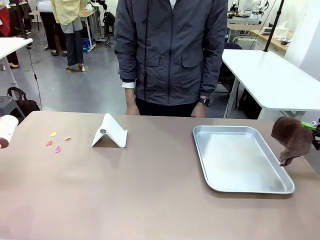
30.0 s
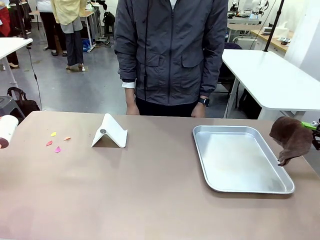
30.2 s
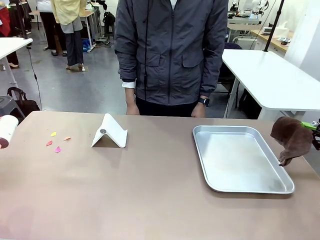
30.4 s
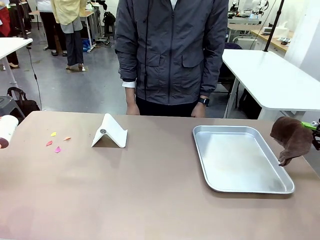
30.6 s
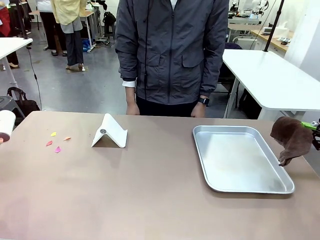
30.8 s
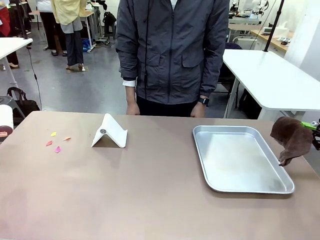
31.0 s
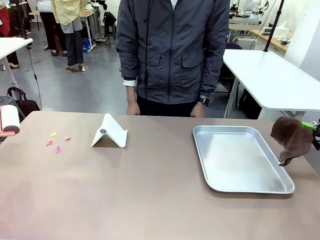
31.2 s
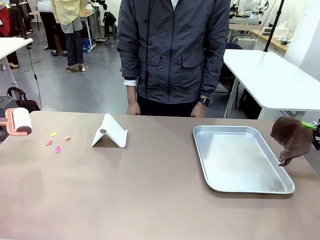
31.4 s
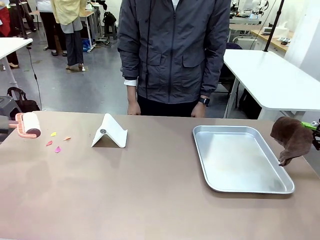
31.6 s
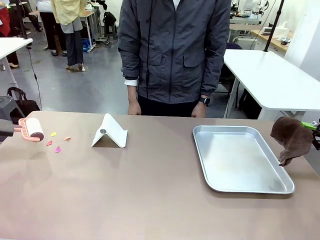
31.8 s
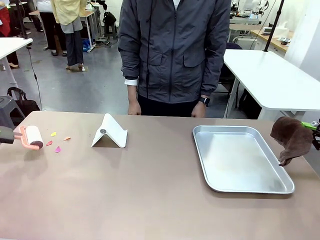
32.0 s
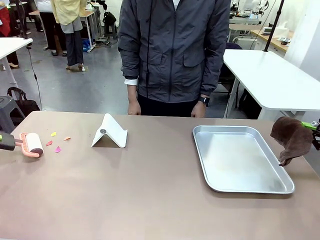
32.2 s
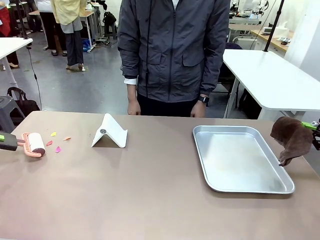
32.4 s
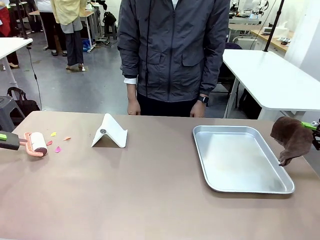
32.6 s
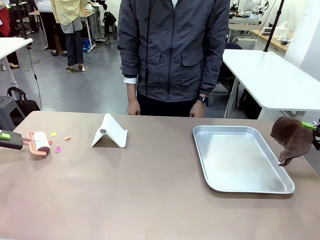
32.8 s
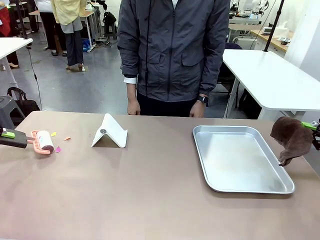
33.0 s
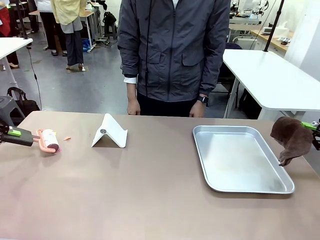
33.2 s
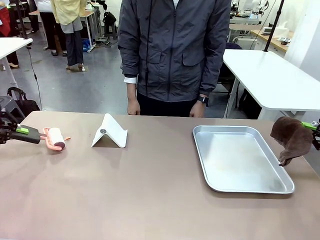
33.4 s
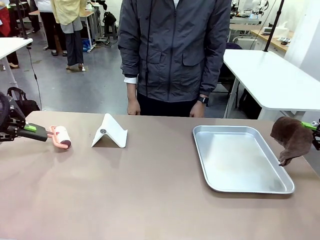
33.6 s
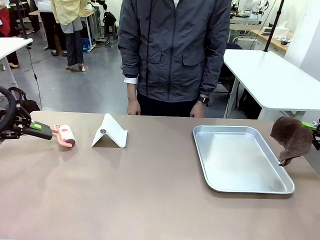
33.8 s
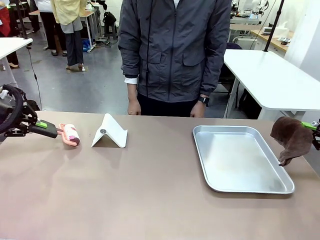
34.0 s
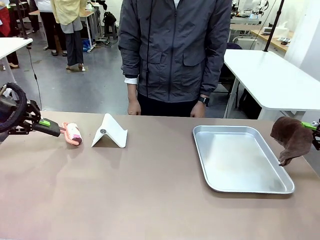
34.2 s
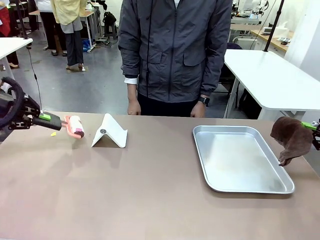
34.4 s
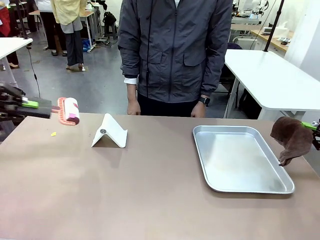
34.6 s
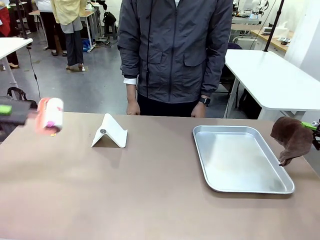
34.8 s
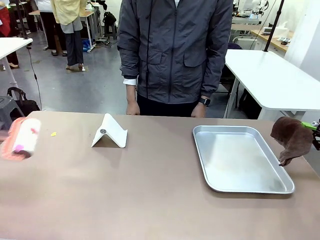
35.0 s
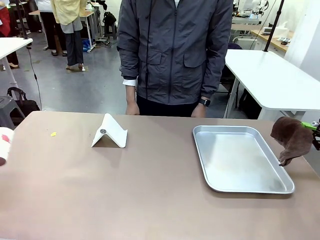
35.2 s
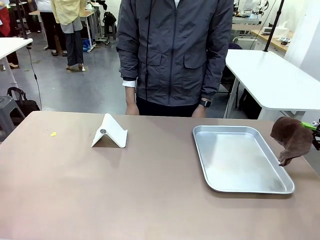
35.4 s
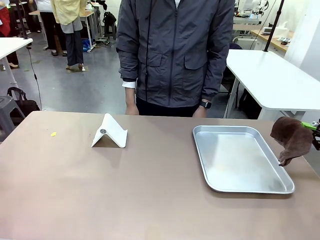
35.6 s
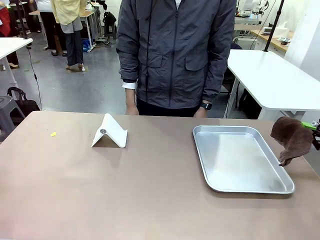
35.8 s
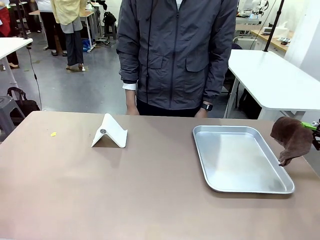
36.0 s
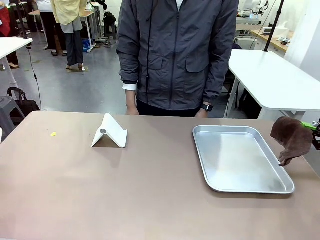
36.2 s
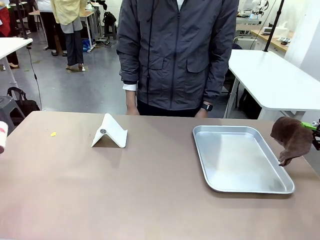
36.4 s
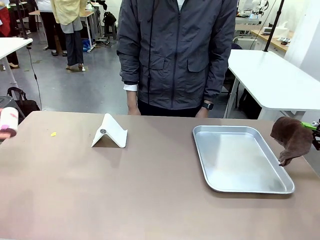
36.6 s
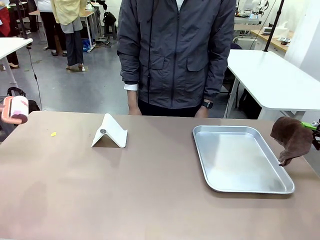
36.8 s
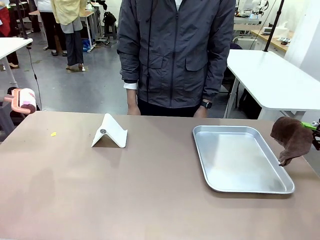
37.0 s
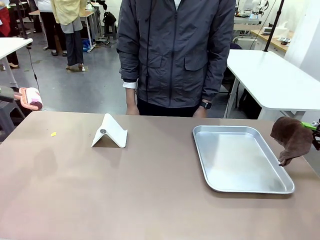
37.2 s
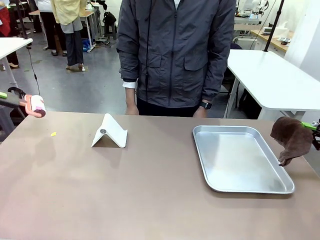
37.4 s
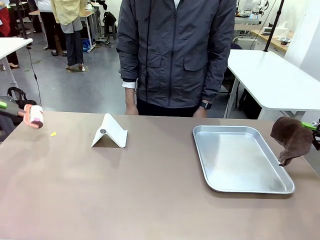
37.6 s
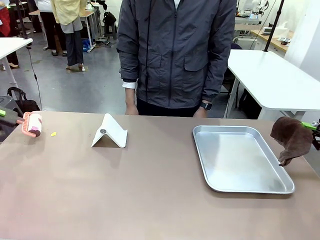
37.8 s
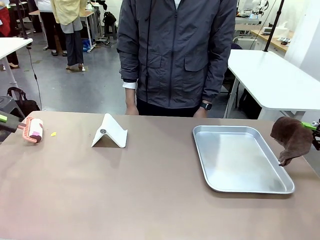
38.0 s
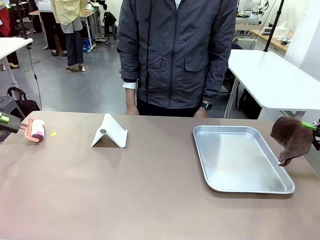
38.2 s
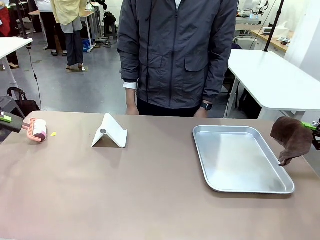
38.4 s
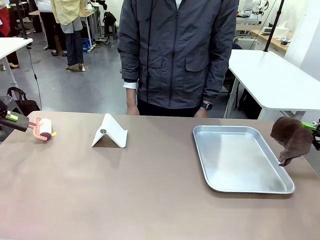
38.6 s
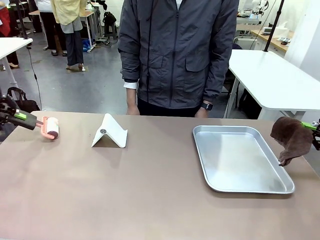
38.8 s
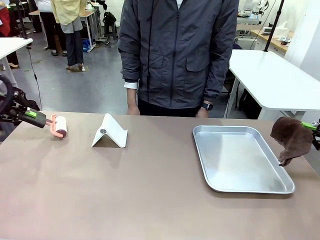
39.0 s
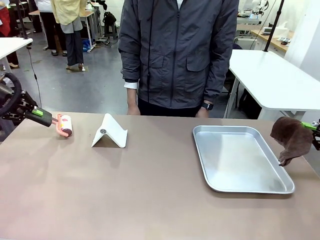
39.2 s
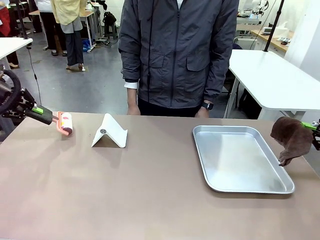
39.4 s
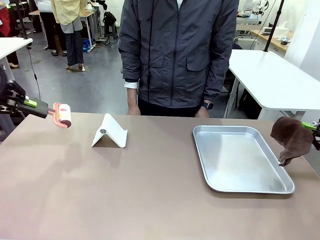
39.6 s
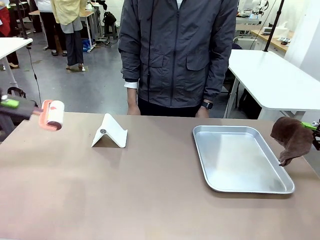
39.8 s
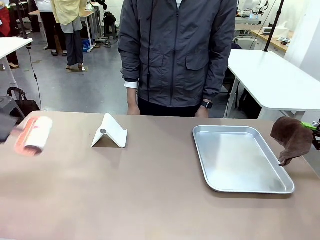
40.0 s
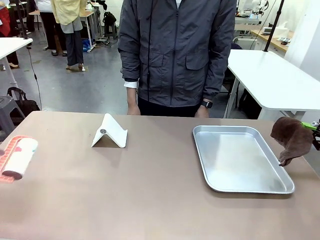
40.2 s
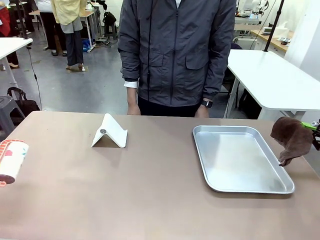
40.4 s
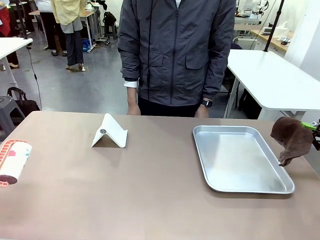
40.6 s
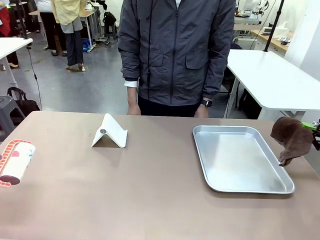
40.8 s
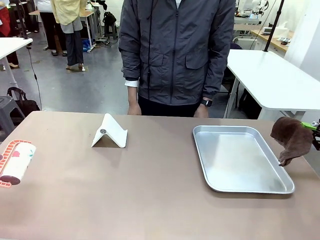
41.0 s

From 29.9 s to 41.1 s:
Task: Clean the surface of the table.
Robot: Clean the area not pointed to by the person.

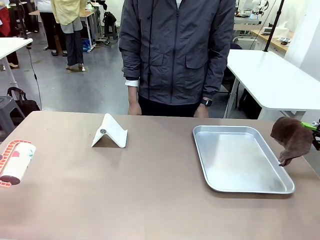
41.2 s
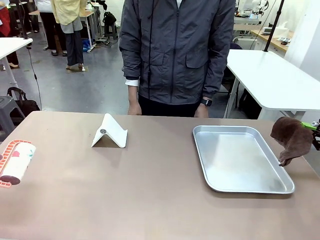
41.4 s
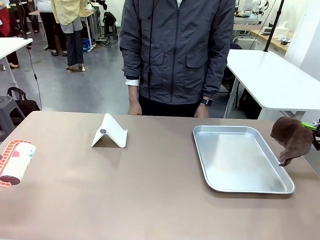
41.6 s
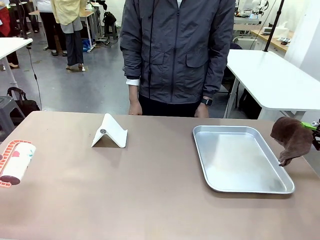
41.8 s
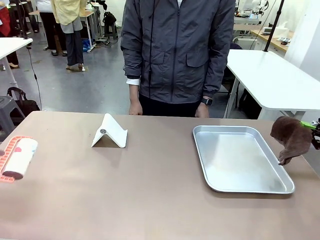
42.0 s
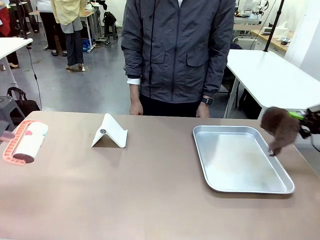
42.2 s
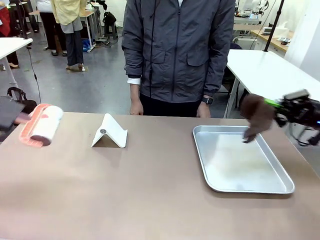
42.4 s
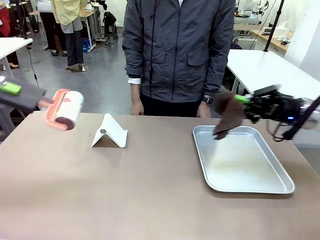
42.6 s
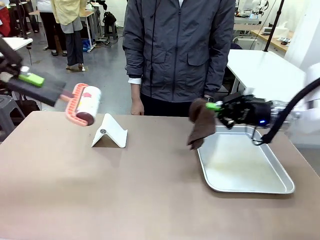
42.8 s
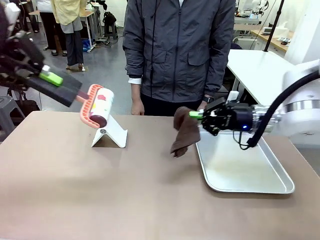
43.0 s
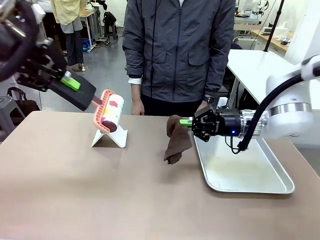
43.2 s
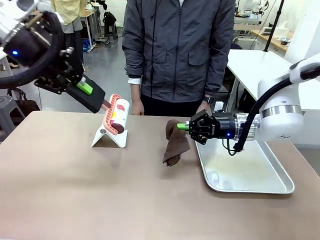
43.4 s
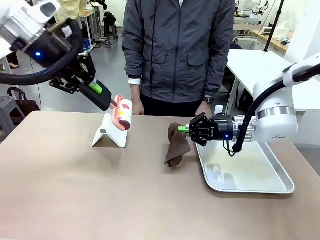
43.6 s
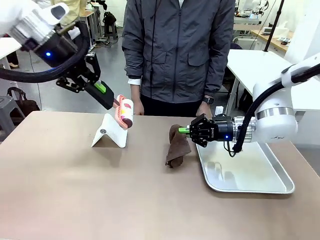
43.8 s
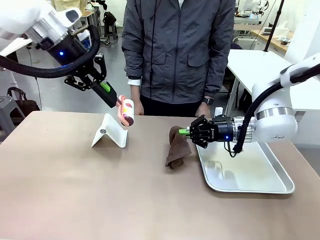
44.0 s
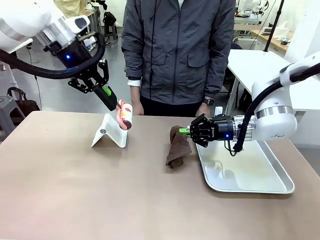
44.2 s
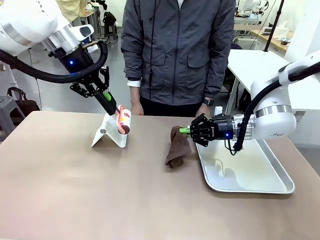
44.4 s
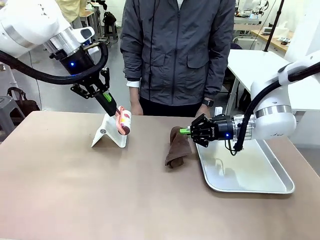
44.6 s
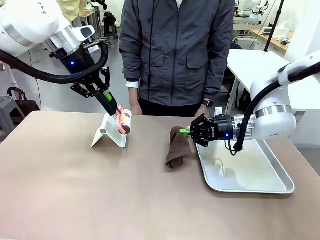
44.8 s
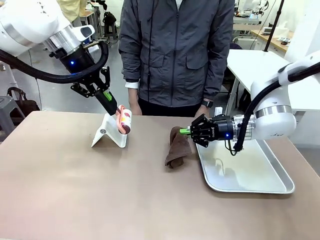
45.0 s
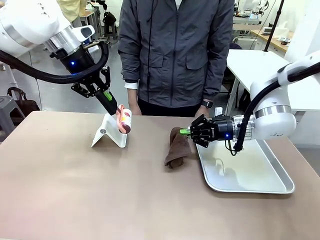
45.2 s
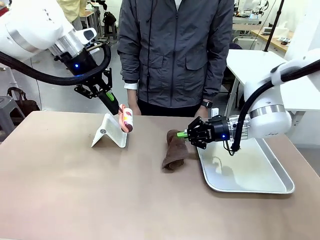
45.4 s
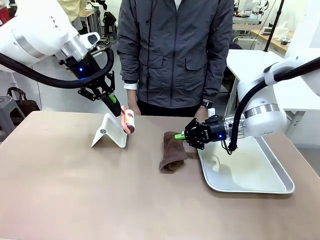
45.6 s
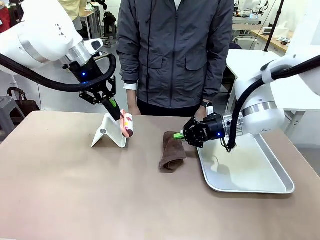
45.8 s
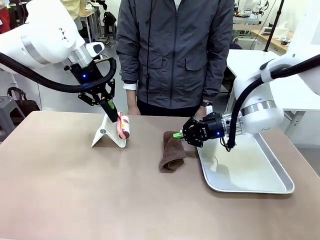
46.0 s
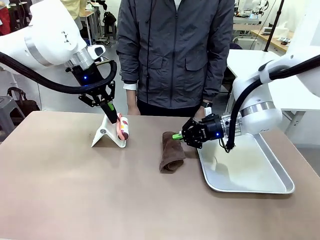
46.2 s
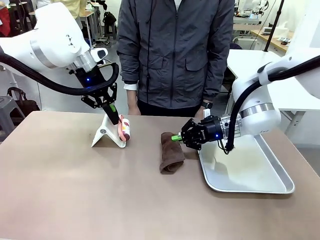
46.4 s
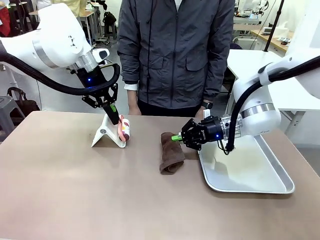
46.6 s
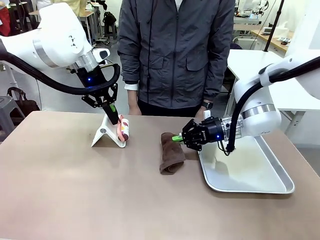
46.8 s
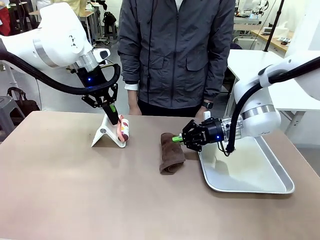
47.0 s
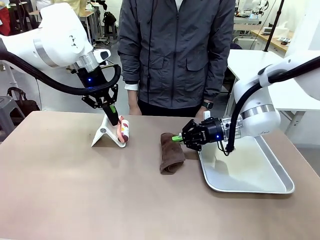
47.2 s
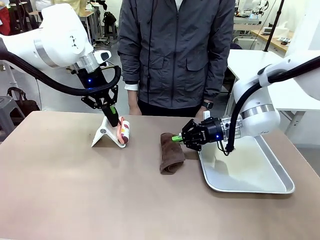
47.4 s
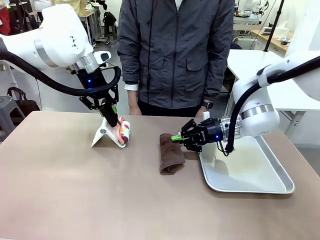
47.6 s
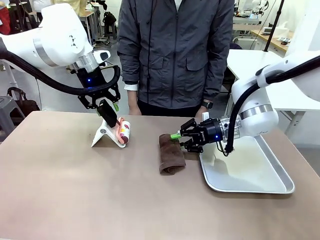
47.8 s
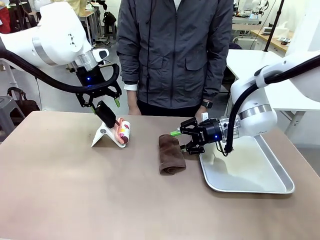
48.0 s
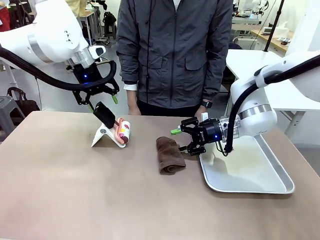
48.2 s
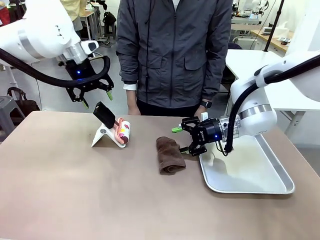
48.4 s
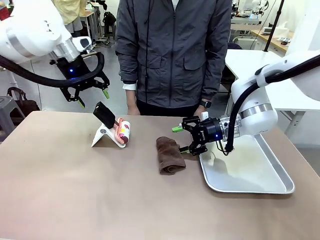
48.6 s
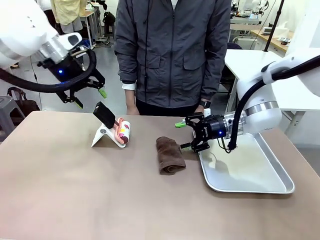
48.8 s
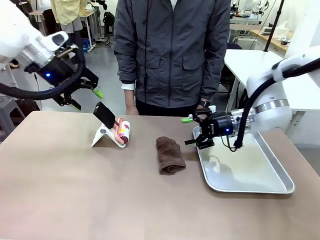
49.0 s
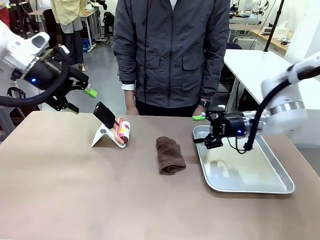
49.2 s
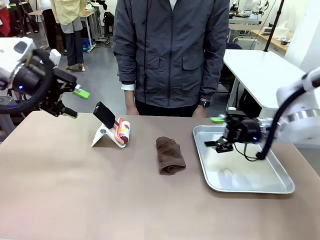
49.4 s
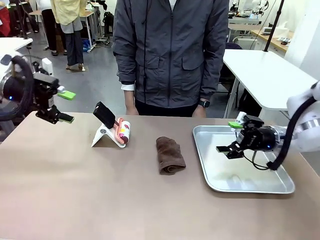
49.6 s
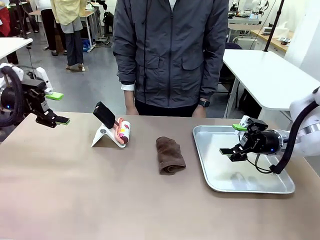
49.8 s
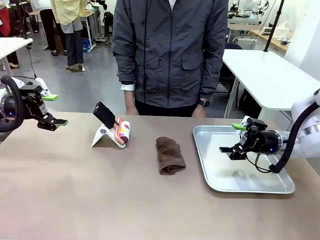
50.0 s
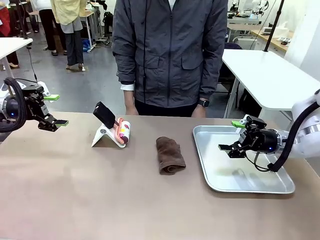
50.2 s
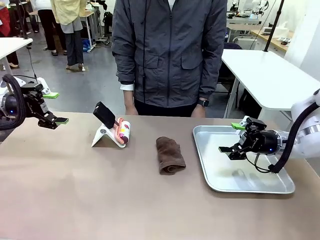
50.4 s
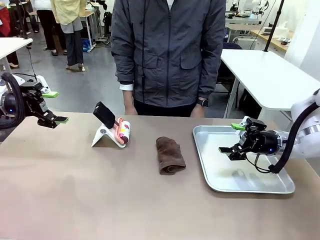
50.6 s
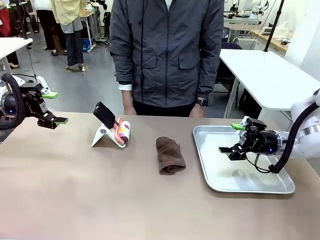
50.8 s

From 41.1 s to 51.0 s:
Robot: Return the Lint Roller and towel to their original positions.
